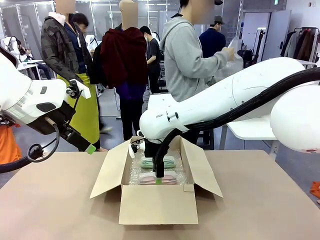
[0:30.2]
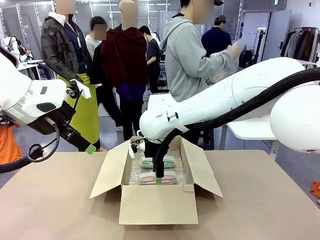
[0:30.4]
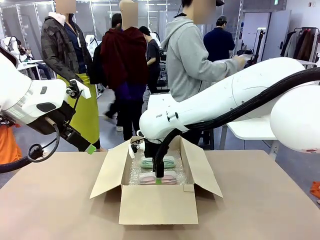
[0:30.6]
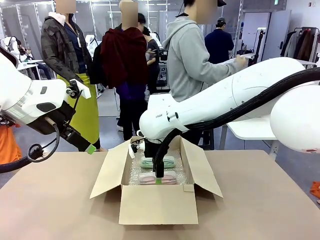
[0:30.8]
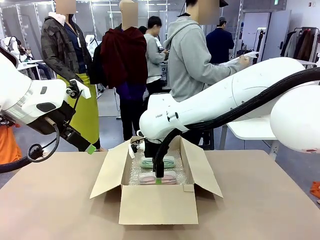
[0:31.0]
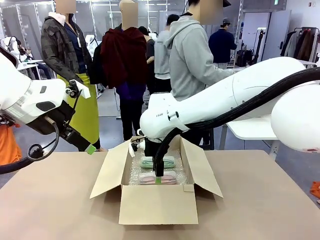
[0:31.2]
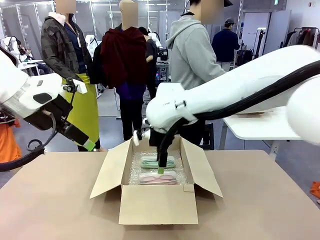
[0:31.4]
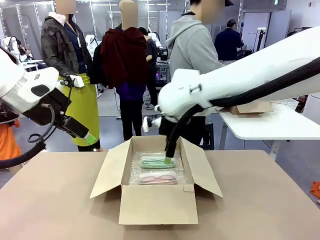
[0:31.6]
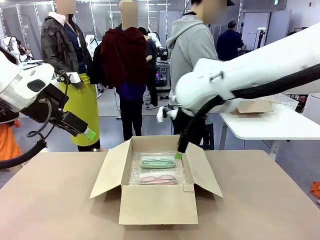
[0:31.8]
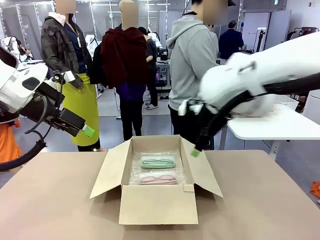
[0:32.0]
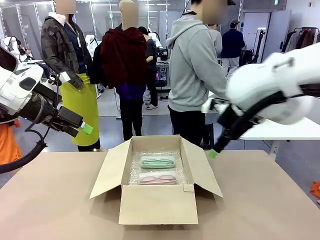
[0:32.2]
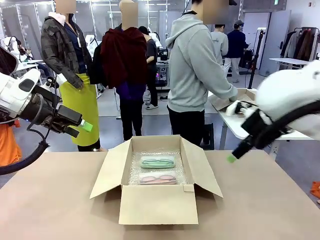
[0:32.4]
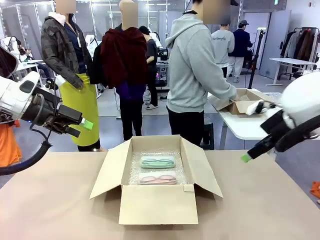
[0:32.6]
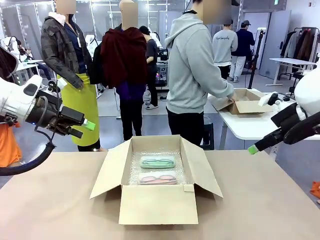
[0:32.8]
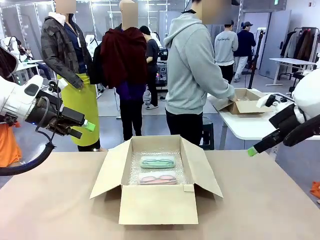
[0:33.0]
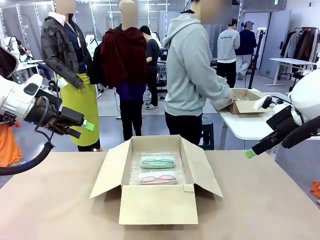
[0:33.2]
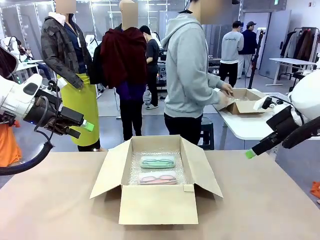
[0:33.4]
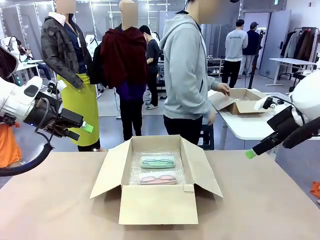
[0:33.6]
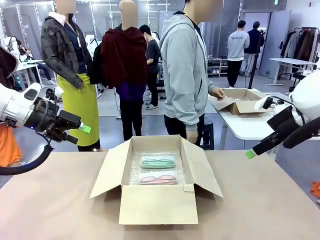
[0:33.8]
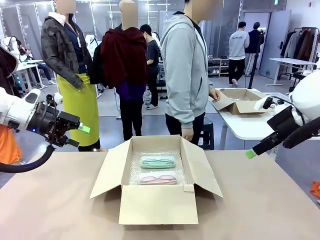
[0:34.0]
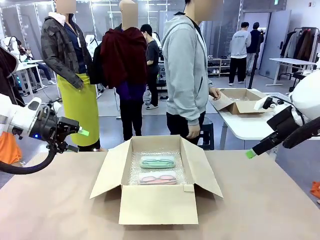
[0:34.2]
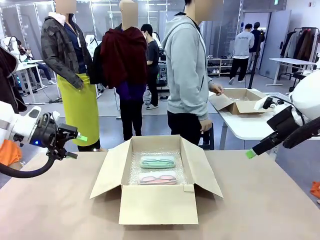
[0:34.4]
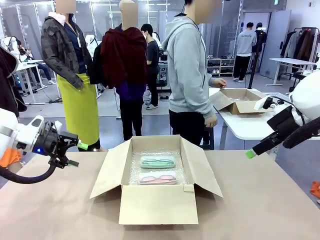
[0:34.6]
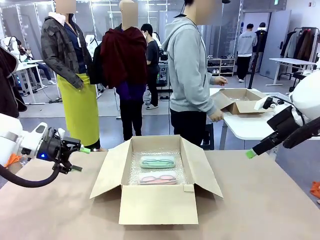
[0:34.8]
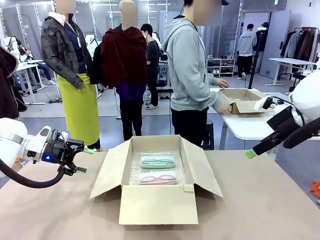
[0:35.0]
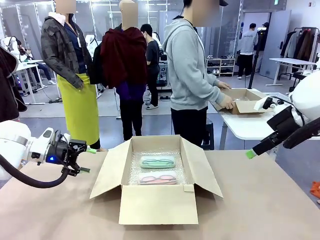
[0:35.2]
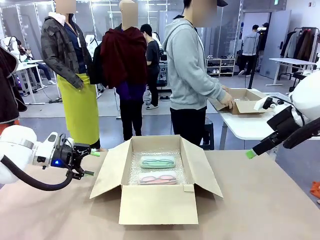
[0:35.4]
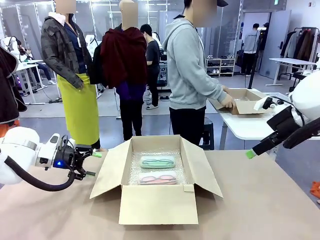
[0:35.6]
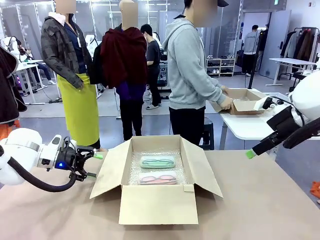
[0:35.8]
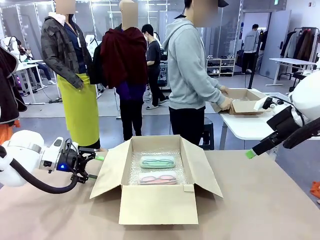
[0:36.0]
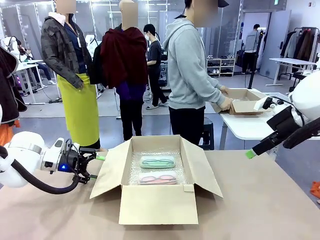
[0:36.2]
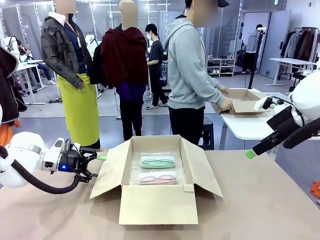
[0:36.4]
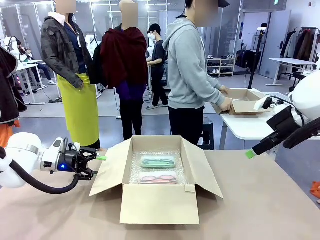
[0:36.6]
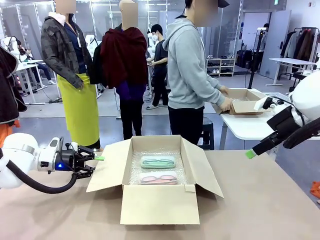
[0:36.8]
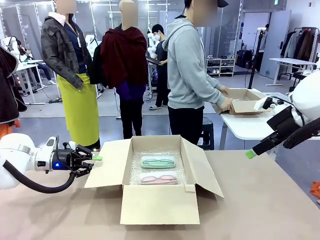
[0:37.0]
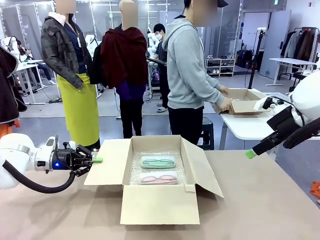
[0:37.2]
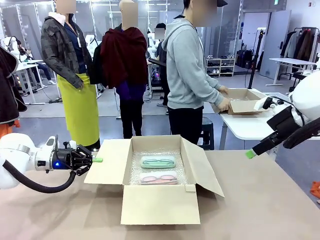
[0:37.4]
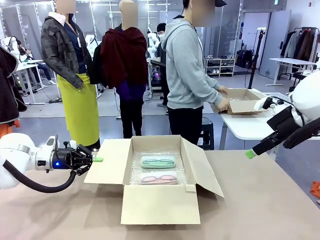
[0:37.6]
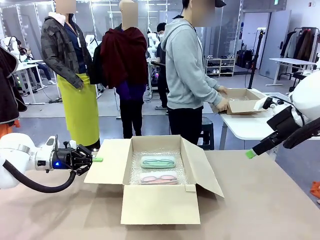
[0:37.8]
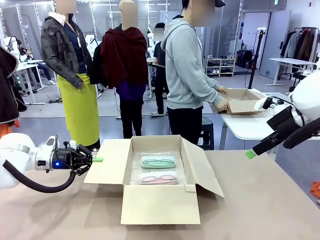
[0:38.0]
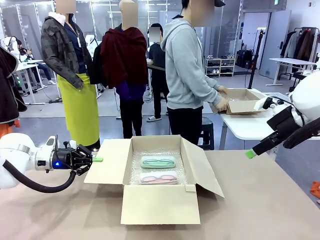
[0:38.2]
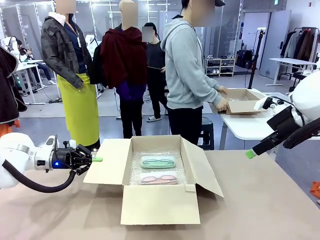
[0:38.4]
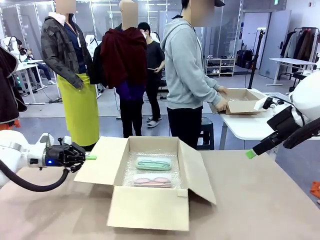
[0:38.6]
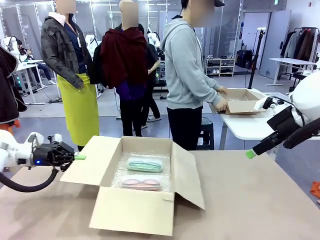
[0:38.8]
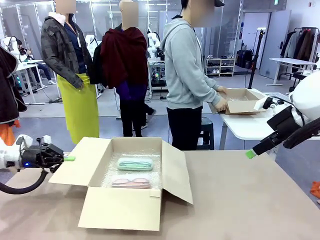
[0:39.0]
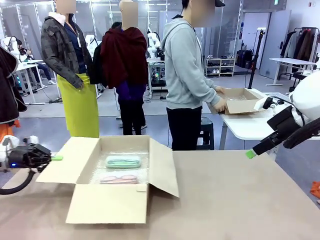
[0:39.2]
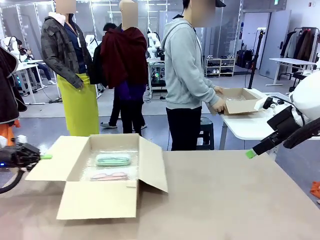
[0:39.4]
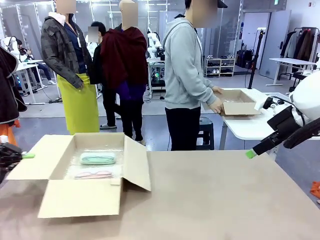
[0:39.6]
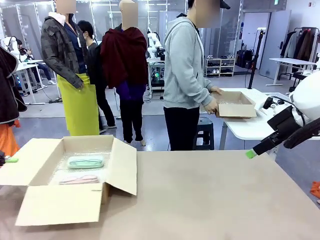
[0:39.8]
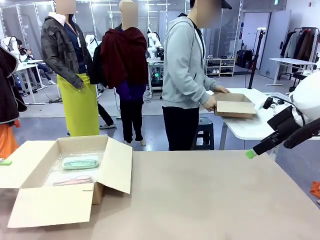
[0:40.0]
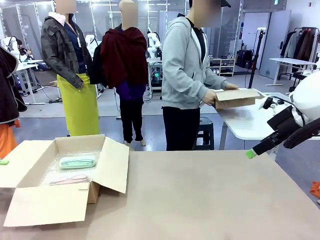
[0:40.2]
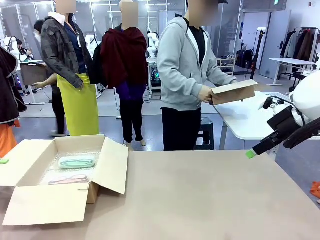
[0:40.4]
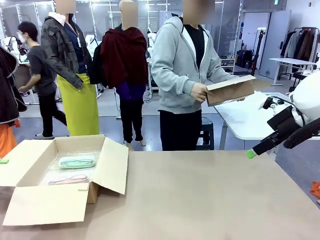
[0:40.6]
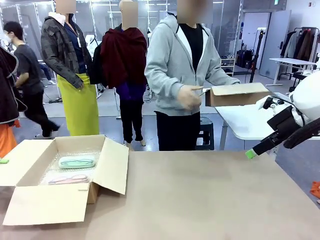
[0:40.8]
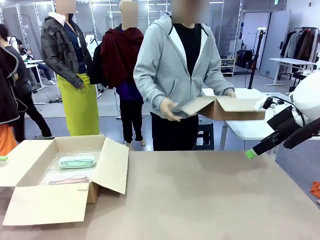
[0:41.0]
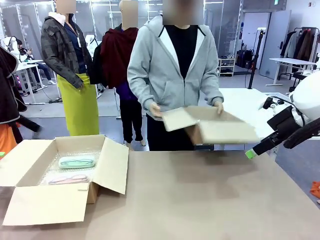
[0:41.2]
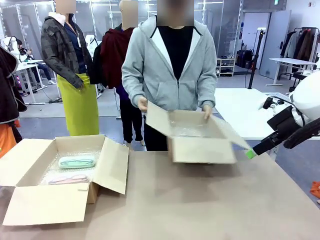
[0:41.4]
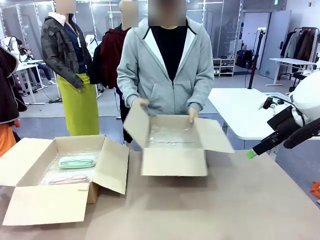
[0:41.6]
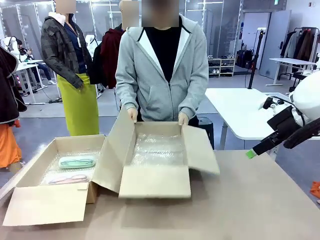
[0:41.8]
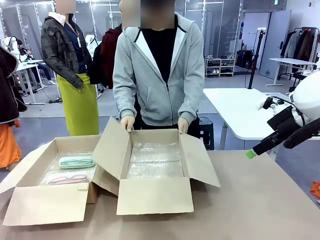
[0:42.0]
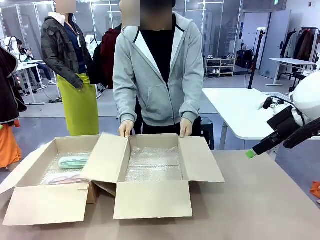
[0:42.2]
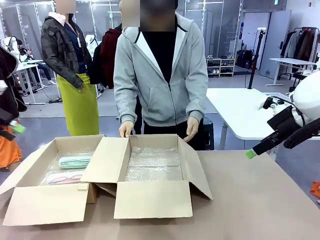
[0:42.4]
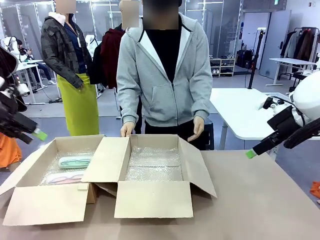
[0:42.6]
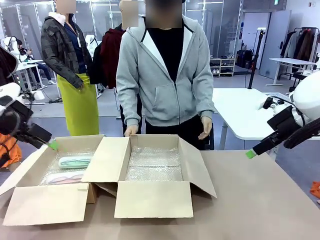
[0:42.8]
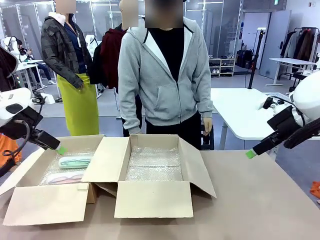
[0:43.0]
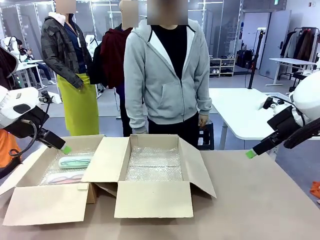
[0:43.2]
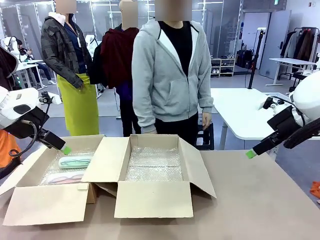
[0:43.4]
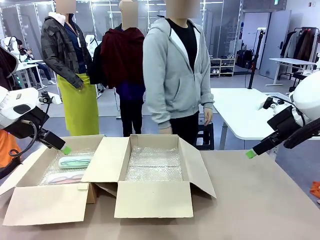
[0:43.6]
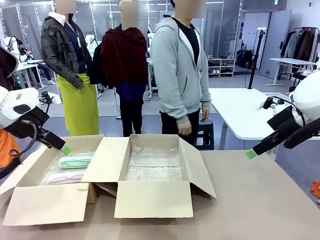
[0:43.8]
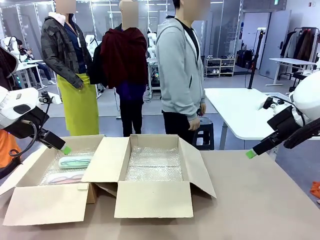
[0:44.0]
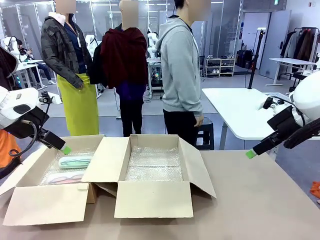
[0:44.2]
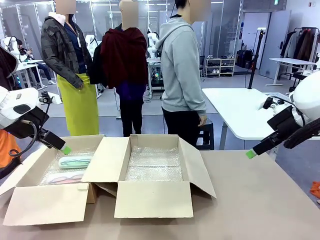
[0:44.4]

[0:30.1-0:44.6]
Task: Pack the glasses set securely to prepare it for shipping.
Robot: Position the Package Box on the left side of the table.
Person: Position the empty Package Box in the middle of the robot's table.
